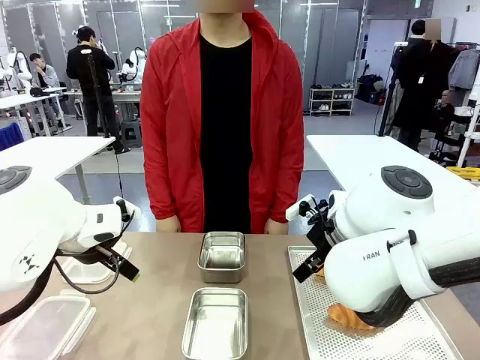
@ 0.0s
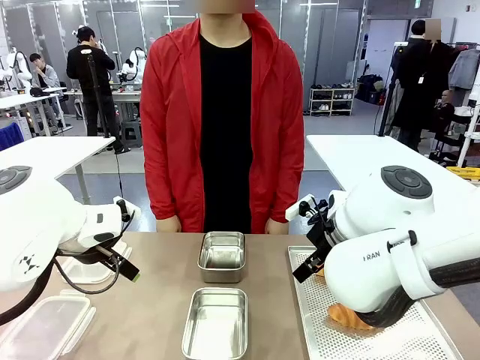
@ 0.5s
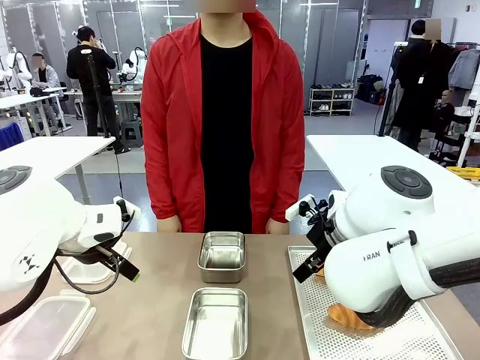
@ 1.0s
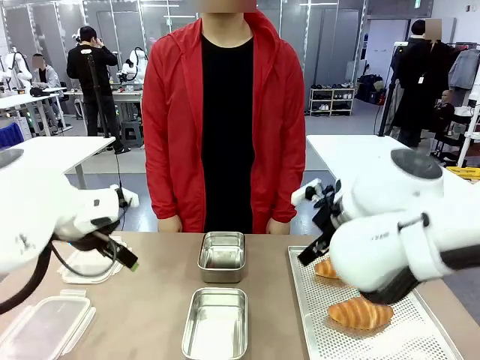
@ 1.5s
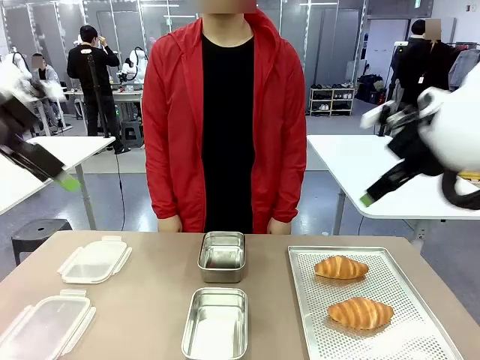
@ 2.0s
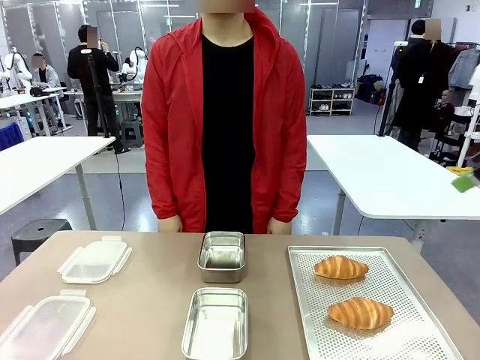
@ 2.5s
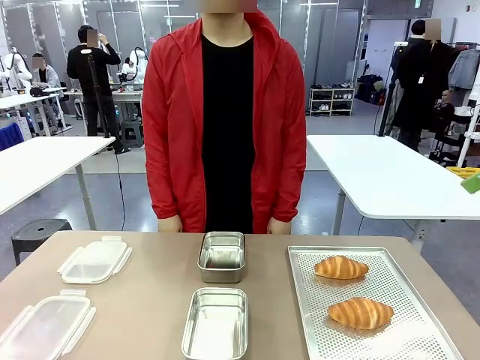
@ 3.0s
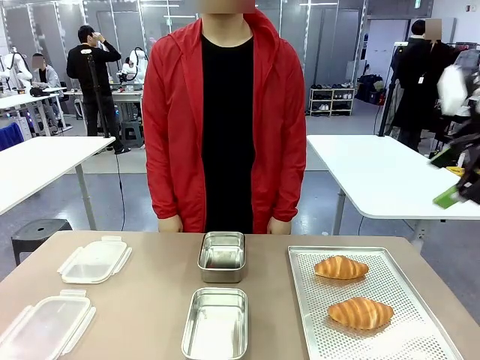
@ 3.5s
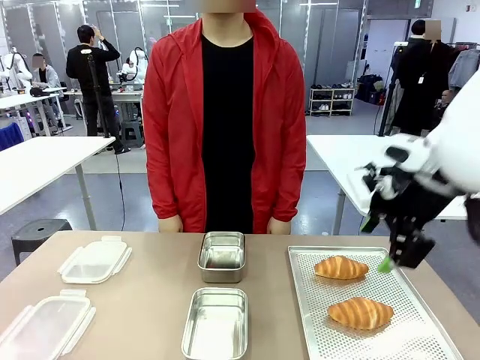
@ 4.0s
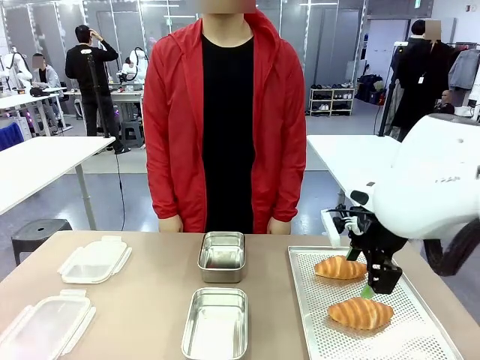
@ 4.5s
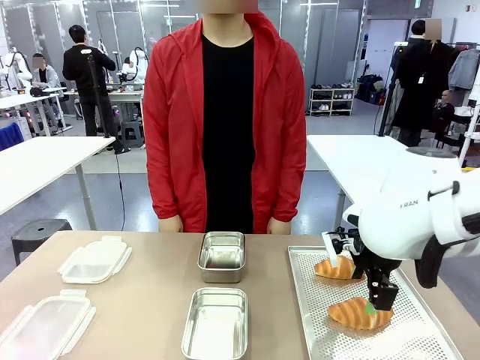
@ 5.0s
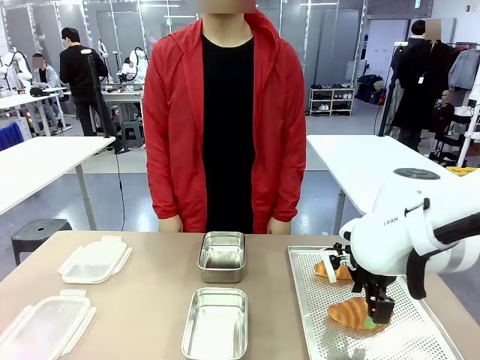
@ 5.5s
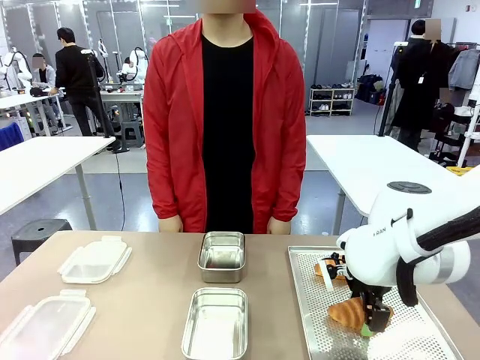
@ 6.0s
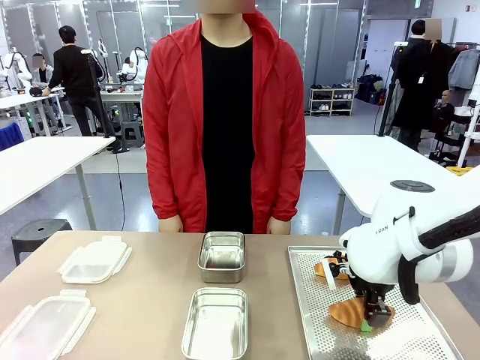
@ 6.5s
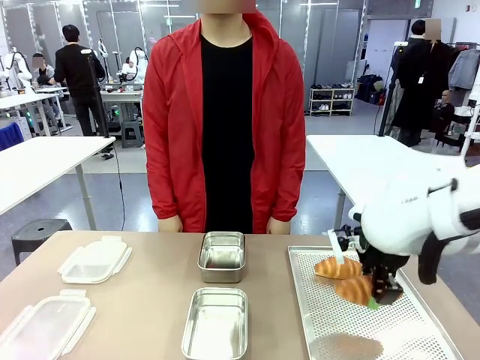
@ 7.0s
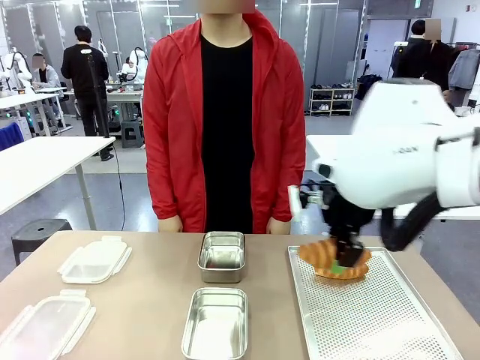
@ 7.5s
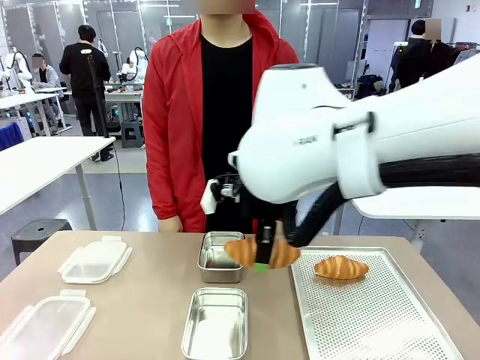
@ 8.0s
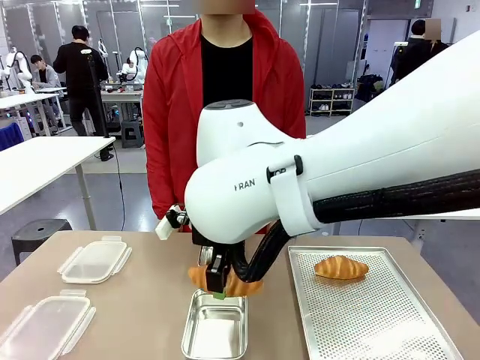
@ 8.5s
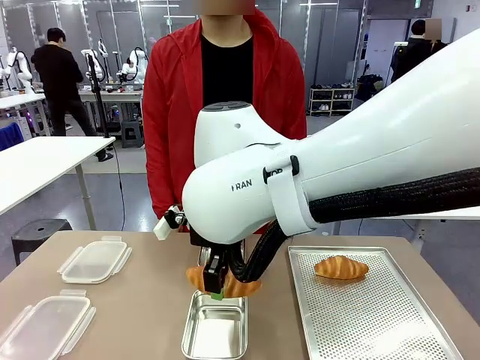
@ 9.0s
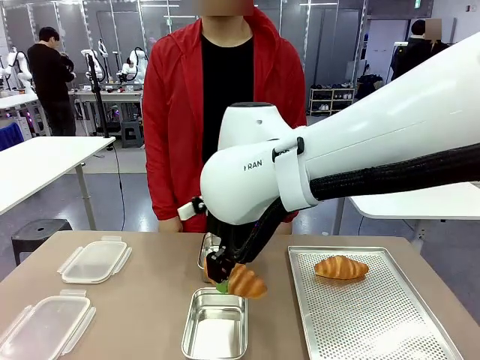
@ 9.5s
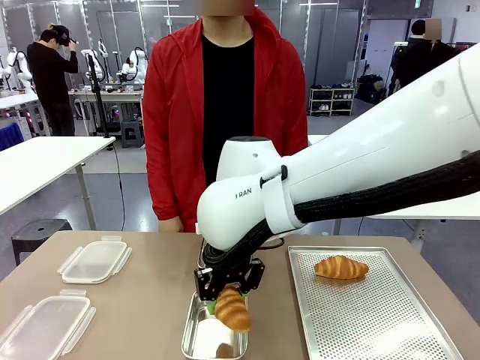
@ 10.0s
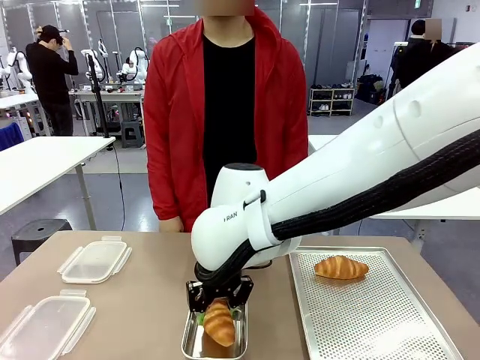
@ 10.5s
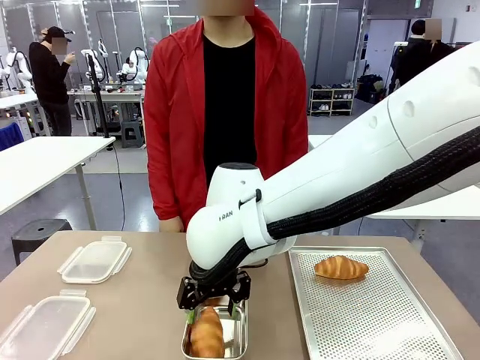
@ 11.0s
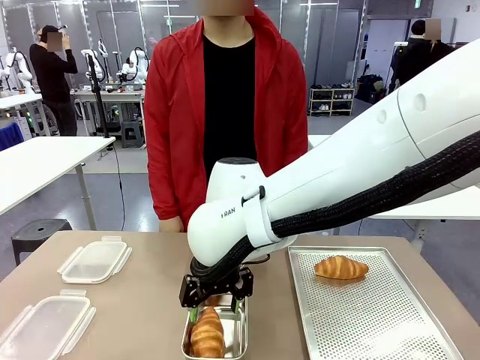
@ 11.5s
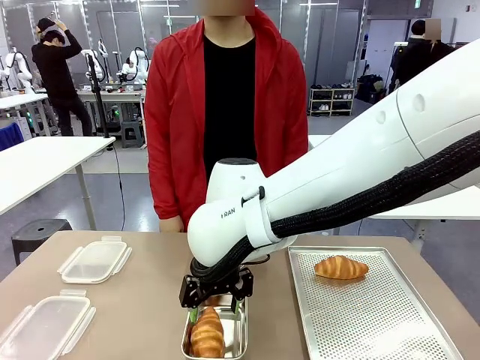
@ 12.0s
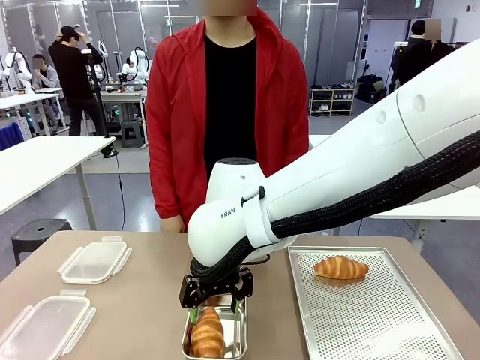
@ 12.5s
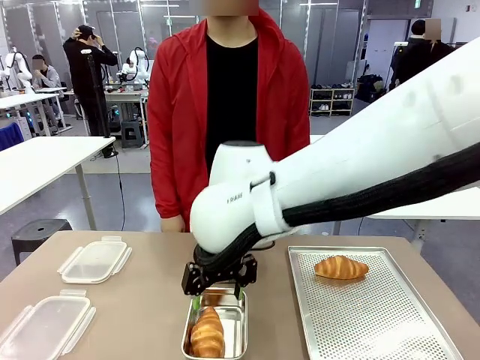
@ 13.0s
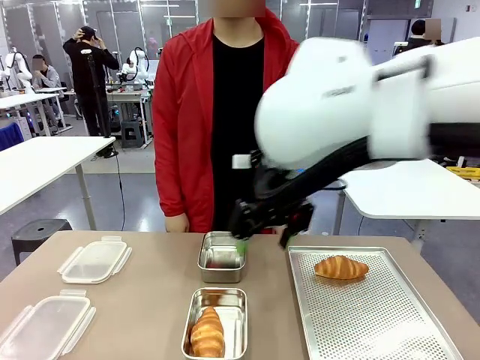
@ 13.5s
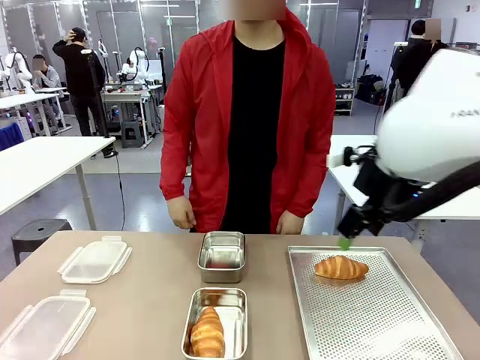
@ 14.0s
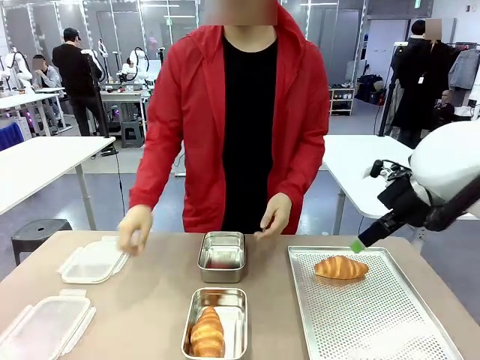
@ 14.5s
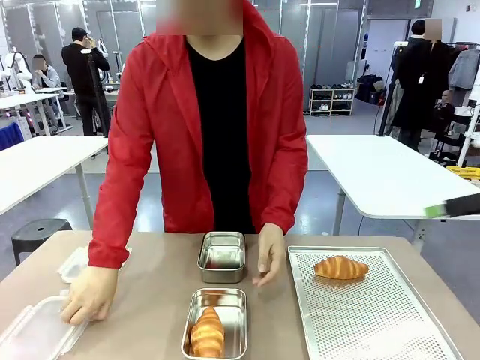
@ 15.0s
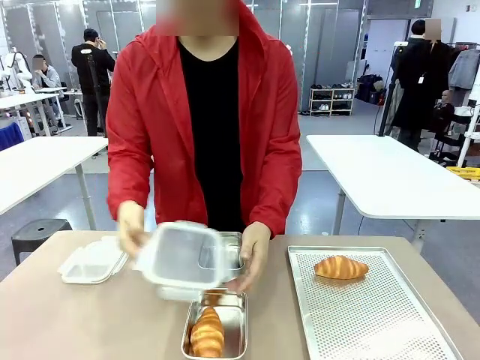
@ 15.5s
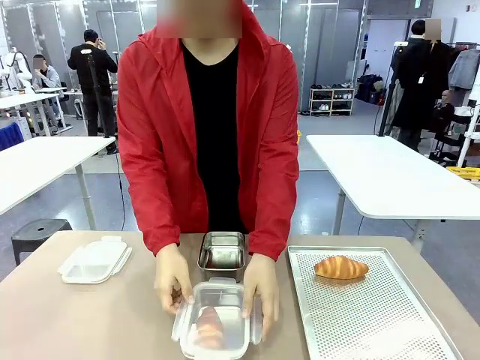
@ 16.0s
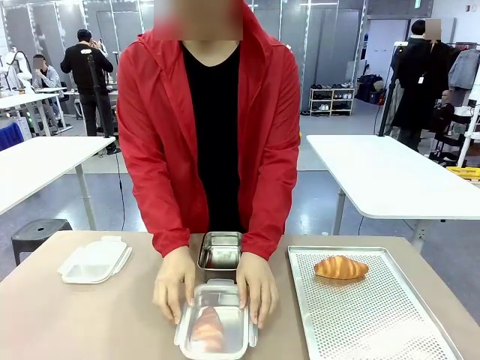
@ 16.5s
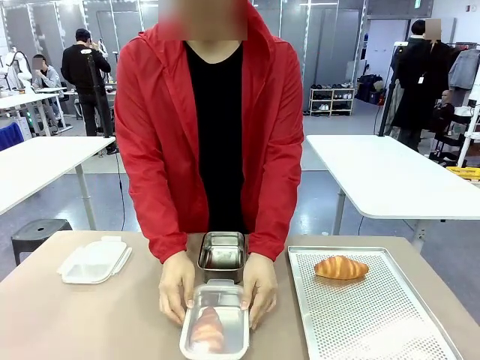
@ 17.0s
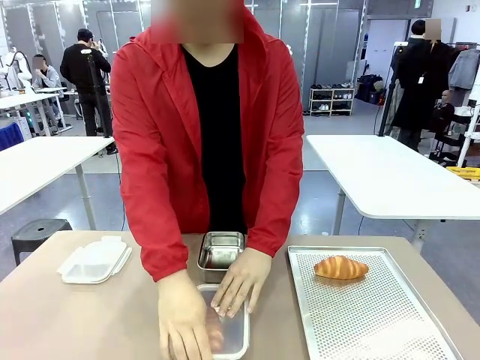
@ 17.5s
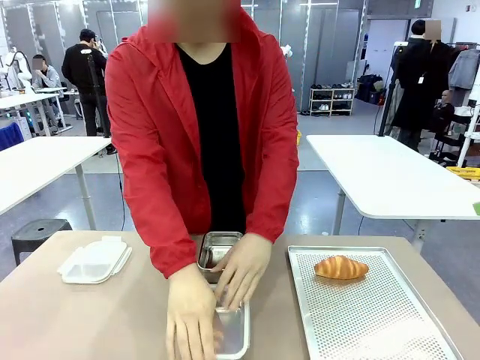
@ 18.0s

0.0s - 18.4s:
Task: Place the bread into the airtight container.
Robot: Pick up a Butter Roll and place it into an empty Airtight Container.

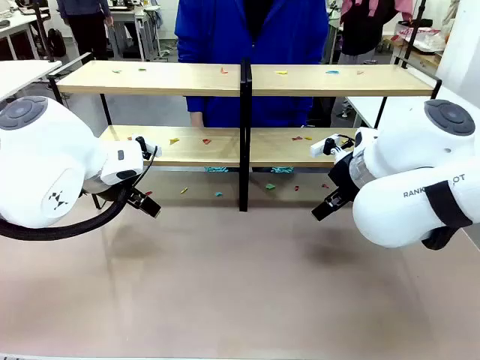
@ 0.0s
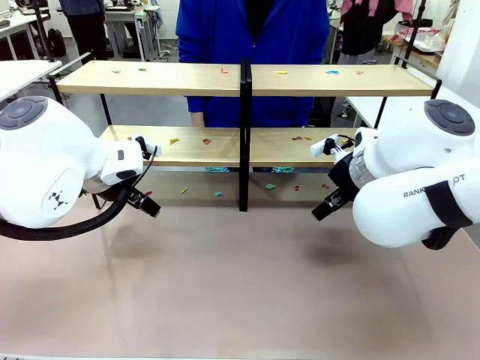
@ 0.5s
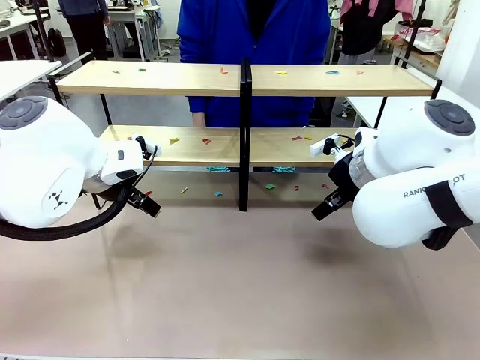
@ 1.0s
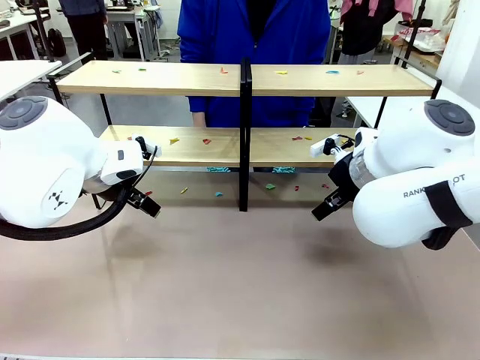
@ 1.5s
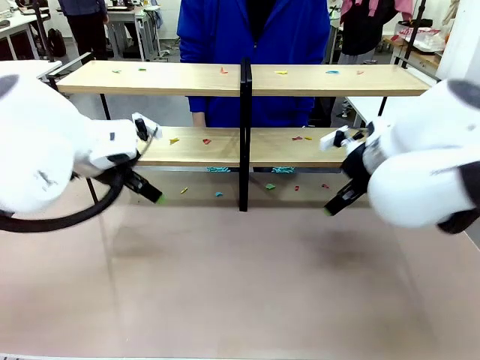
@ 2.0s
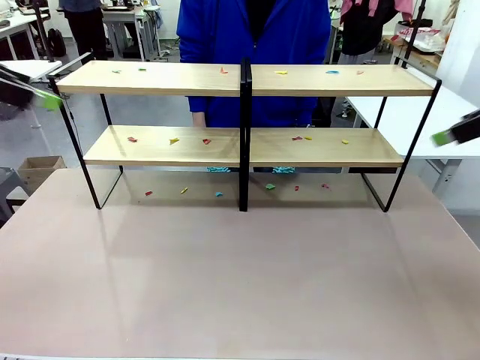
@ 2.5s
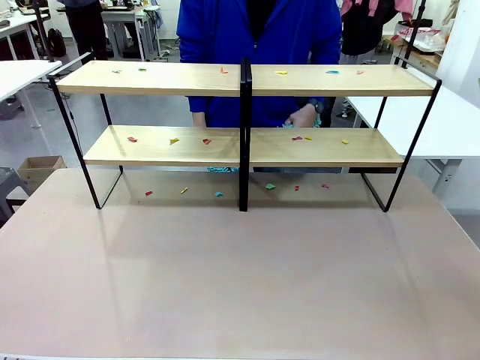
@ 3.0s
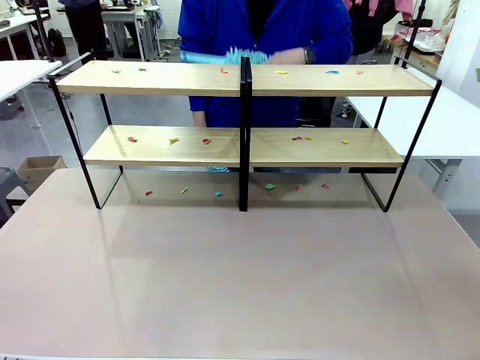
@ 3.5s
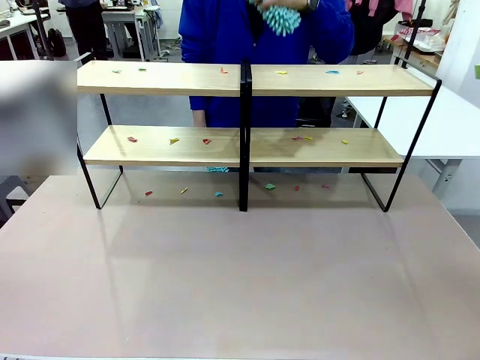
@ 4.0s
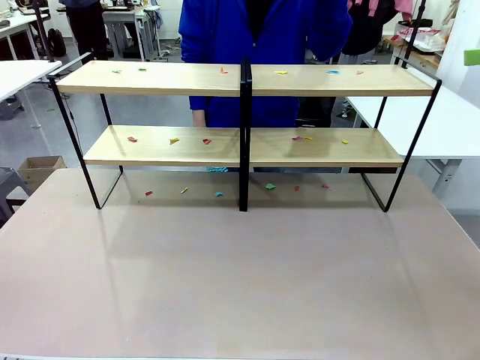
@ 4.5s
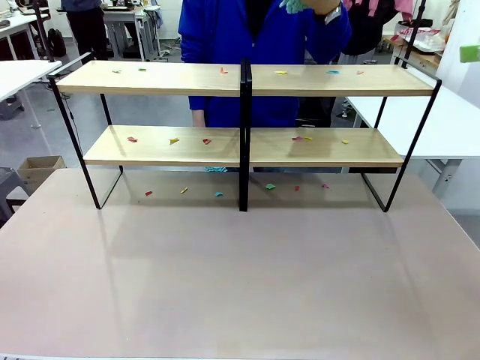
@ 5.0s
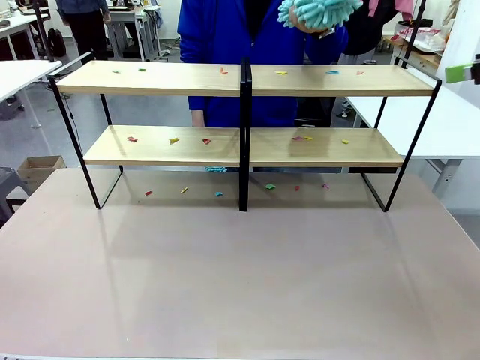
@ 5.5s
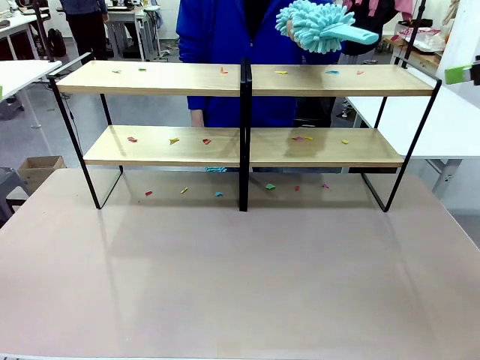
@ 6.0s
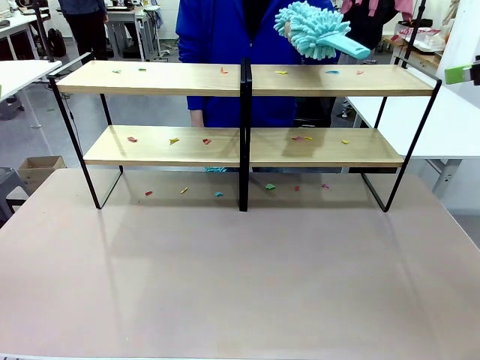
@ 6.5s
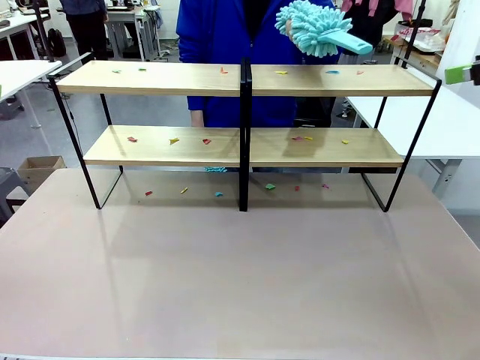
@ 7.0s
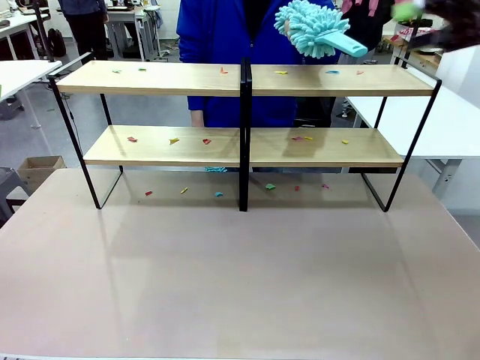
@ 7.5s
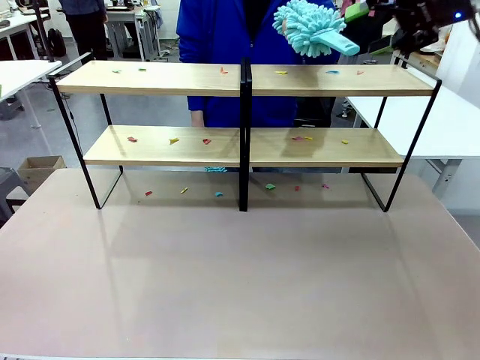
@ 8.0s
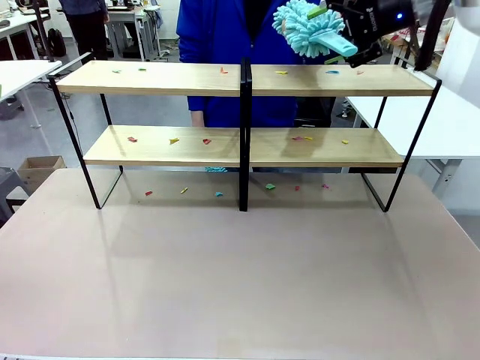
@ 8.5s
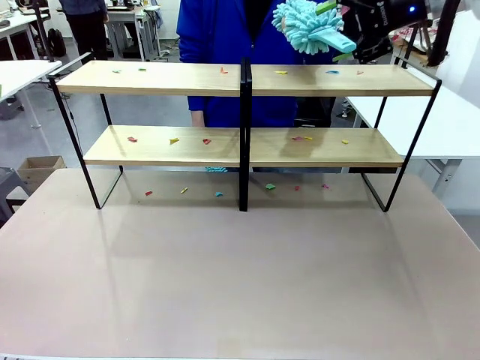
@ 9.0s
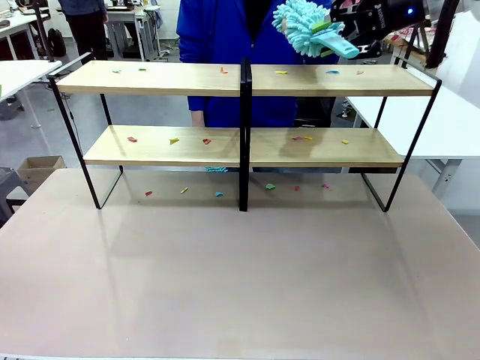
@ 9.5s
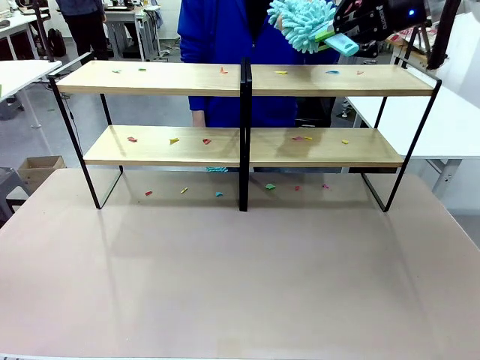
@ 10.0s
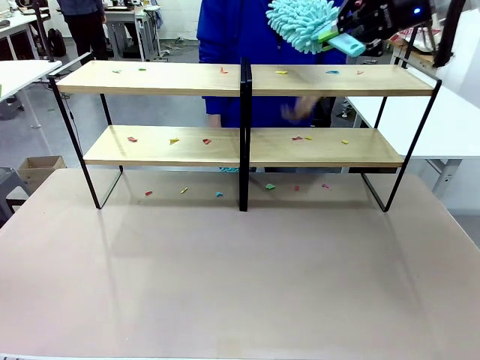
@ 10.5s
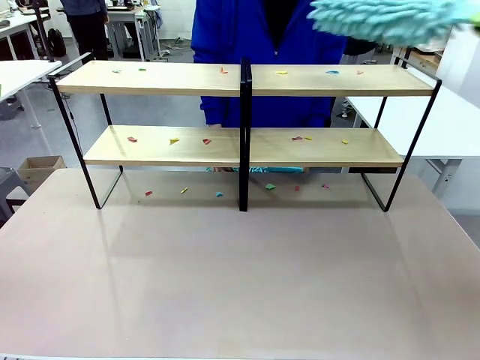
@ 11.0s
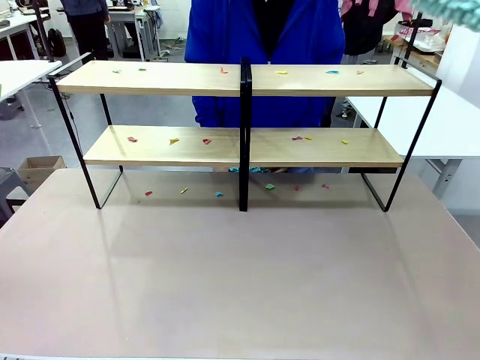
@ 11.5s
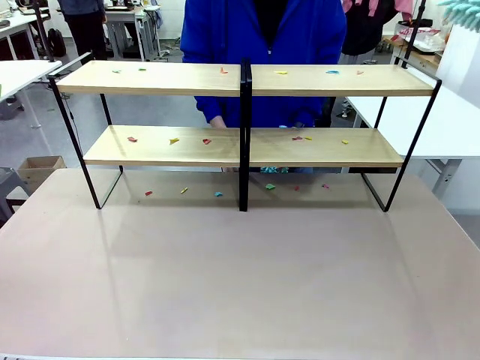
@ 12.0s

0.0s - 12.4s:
Task: Clean the shelves.
Robot: Pick up the Duster when the human hands it over.
Person: Hand the Duster to the robot with your right (or left) hand.
